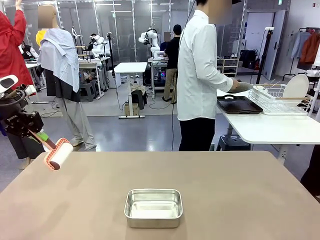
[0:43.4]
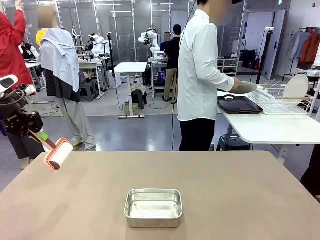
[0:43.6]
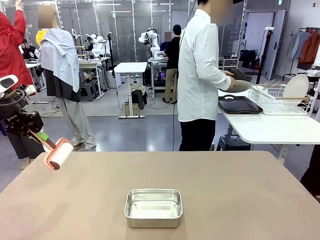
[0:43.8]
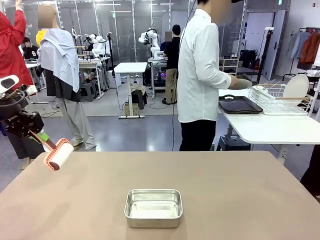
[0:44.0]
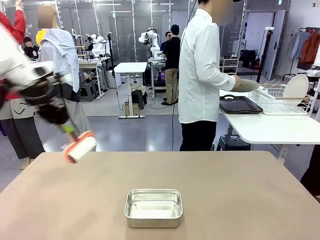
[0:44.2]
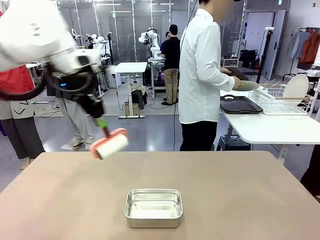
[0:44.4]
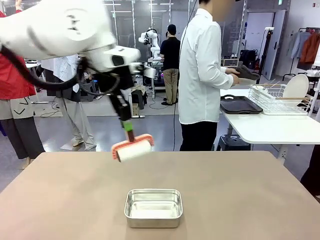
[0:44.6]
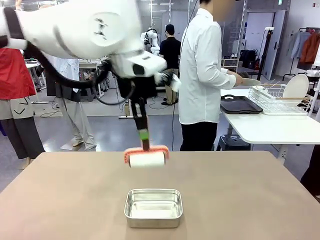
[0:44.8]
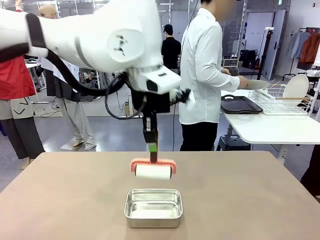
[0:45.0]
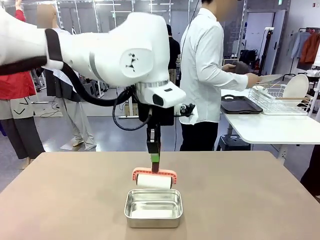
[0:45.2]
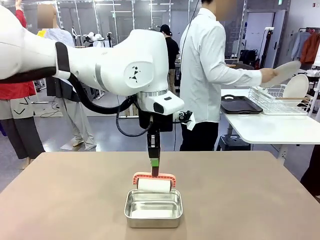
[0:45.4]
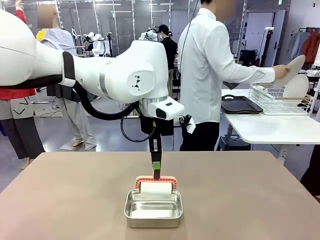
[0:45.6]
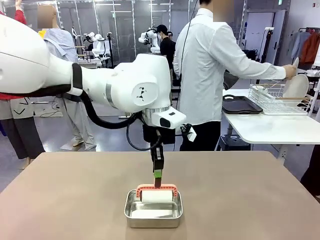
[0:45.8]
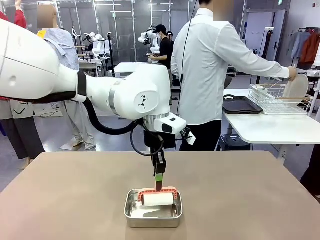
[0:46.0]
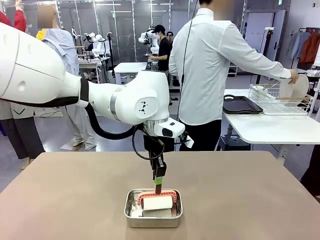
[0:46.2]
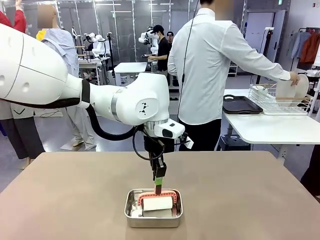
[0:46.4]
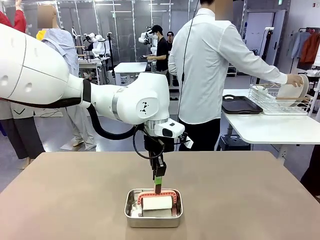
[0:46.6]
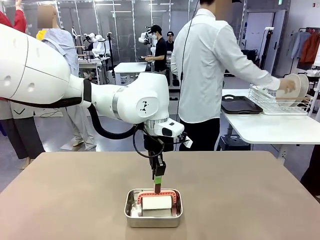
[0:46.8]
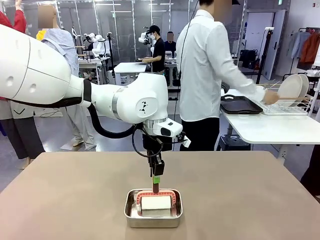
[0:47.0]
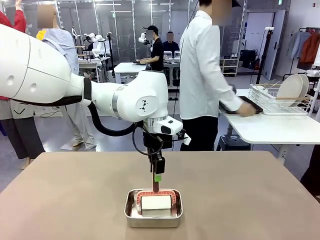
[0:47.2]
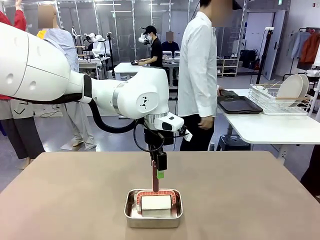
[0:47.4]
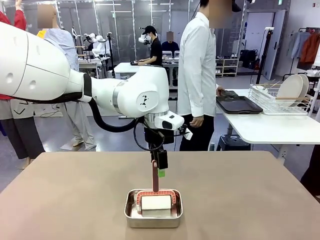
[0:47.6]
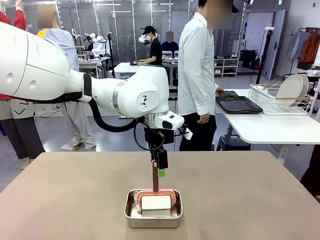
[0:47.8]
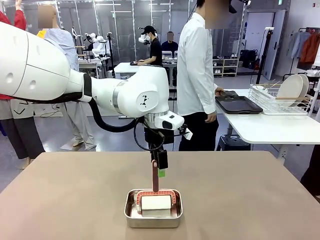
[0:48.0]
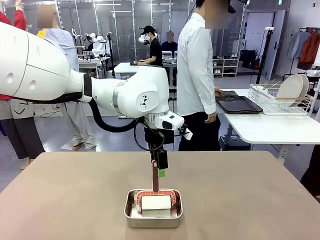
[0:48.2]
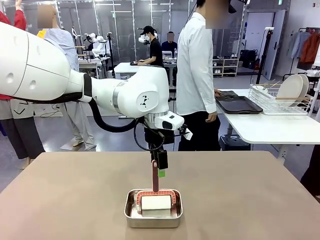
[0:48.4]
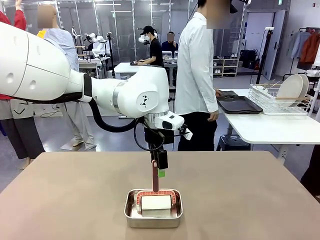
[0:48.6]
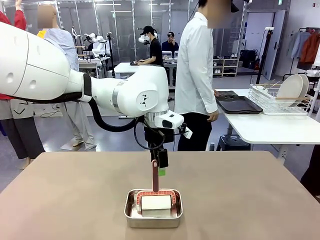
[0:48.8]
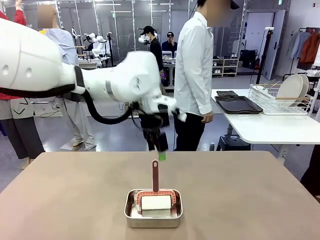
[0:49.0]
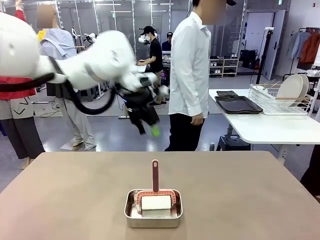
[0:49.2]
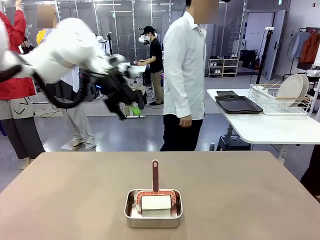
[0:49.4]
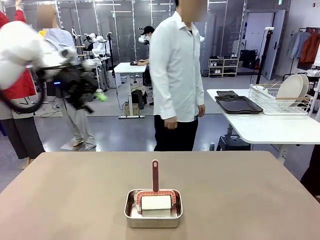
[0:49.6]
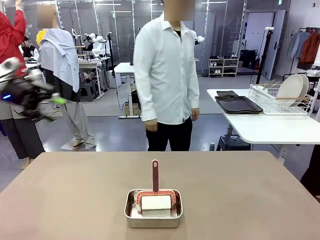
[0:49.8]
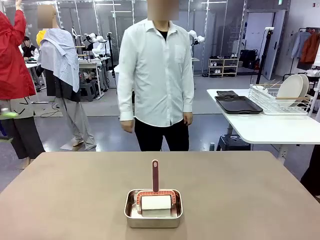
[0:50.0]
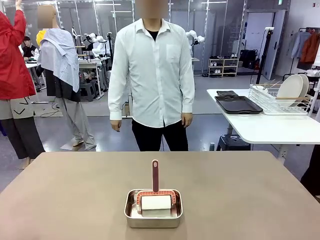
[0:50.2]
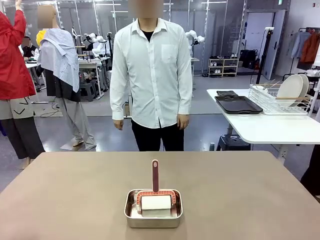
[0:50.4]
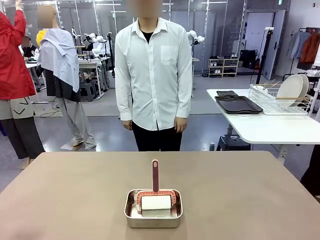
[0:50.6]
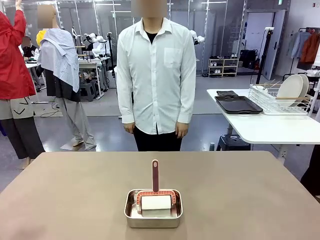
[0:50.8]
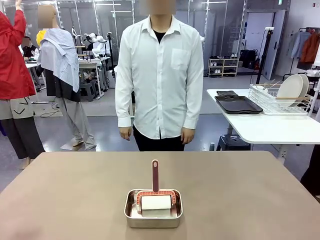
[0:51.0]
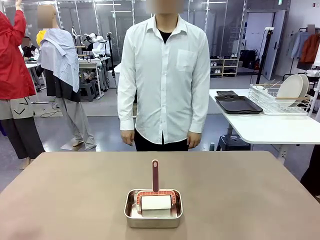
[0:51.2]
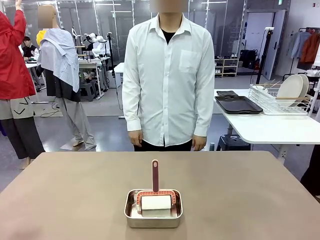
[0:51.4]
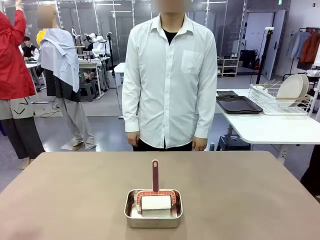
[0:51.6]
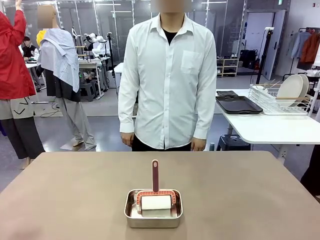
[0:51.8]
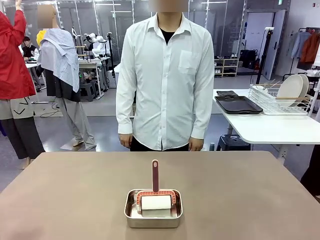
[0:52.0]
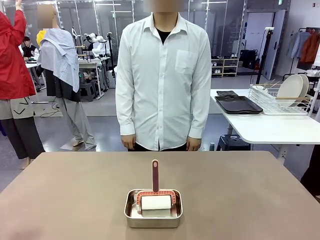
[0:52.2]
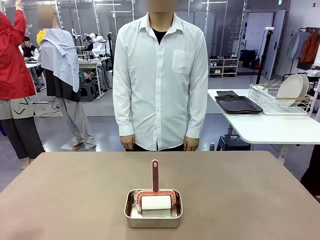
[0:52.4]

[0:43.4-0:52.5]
Robot: Place the Lint Roller back on top of the Airtight Container.

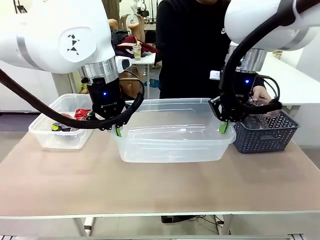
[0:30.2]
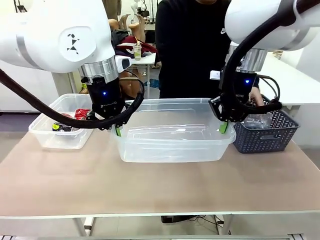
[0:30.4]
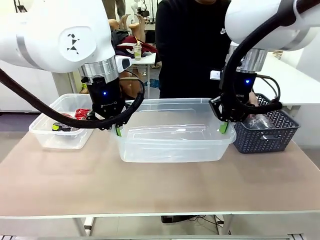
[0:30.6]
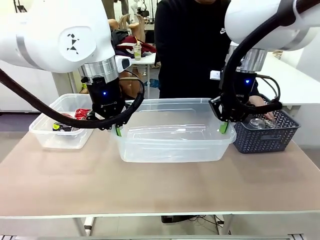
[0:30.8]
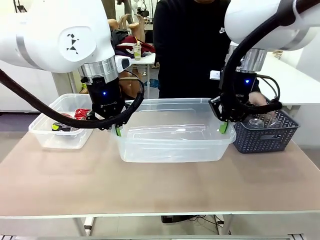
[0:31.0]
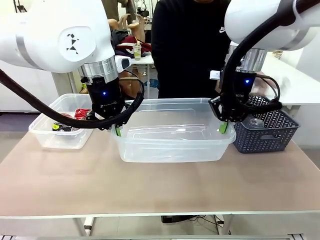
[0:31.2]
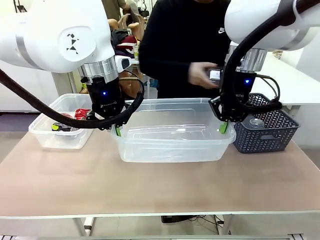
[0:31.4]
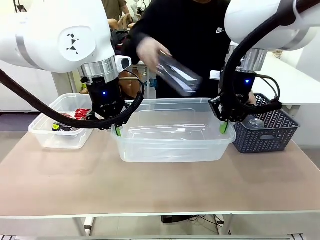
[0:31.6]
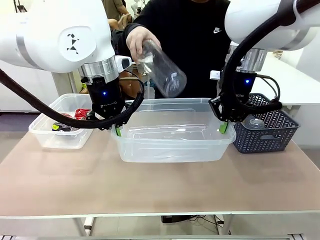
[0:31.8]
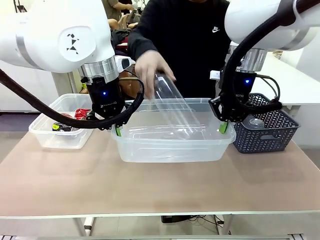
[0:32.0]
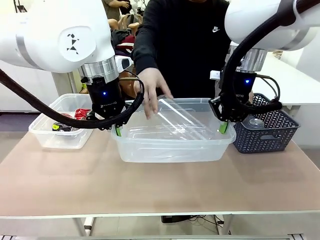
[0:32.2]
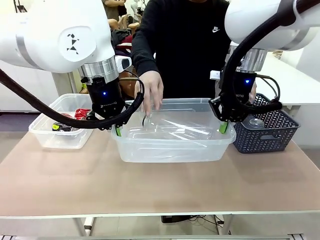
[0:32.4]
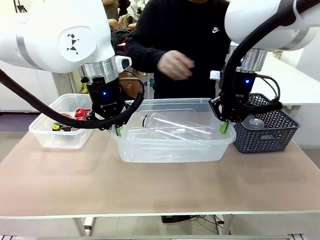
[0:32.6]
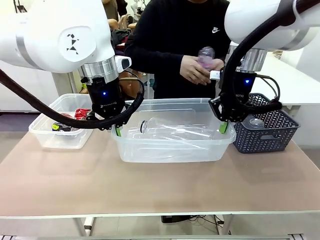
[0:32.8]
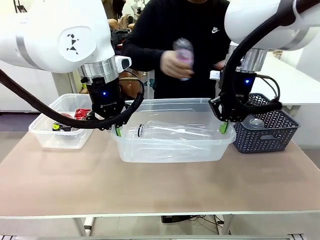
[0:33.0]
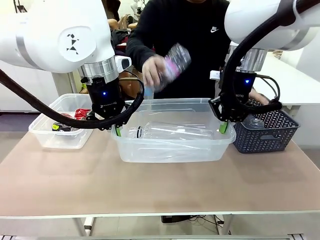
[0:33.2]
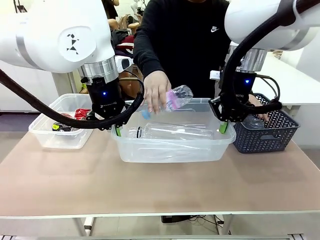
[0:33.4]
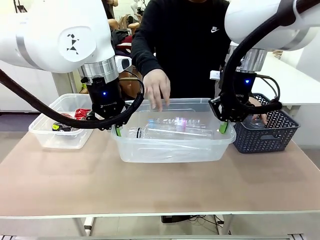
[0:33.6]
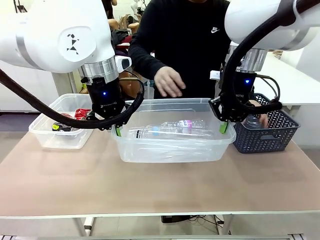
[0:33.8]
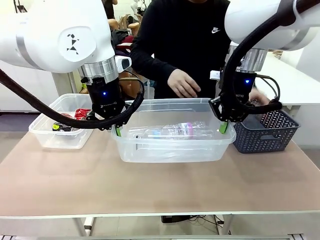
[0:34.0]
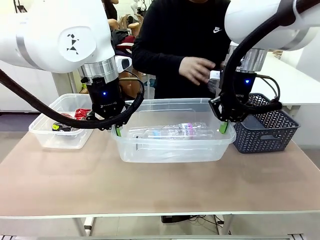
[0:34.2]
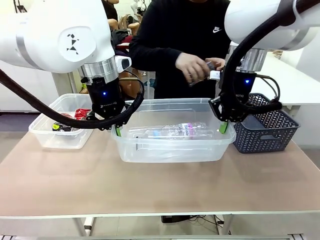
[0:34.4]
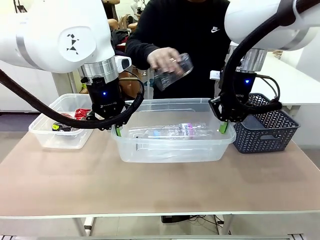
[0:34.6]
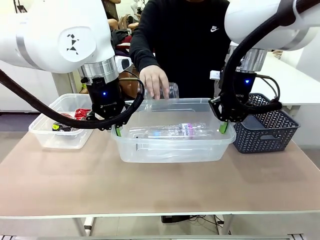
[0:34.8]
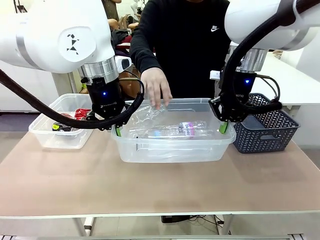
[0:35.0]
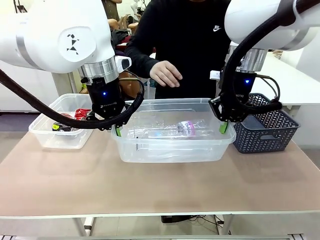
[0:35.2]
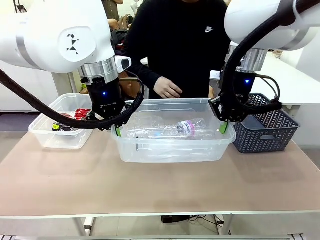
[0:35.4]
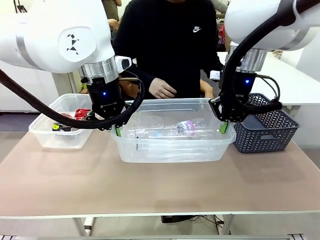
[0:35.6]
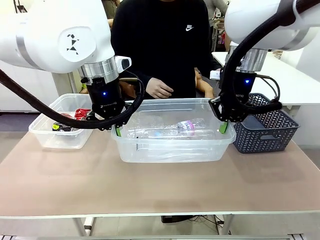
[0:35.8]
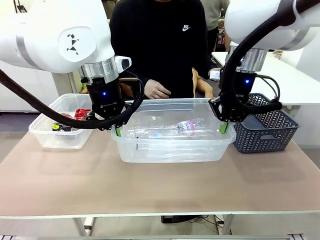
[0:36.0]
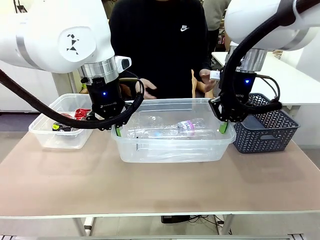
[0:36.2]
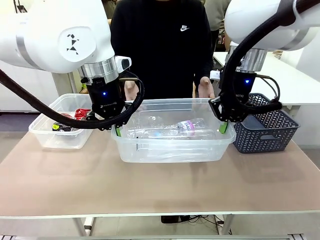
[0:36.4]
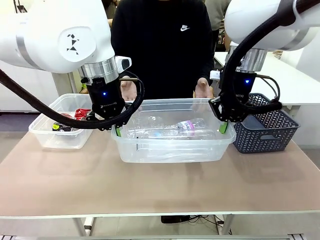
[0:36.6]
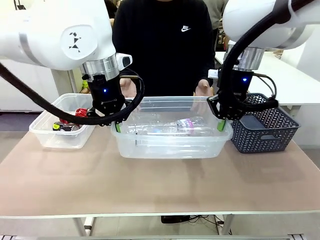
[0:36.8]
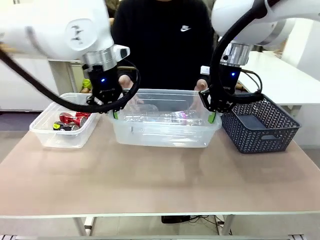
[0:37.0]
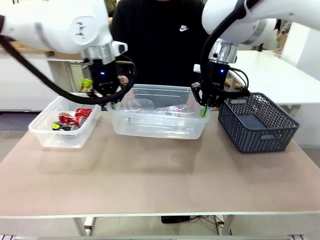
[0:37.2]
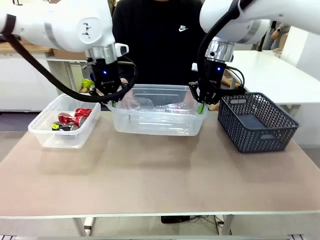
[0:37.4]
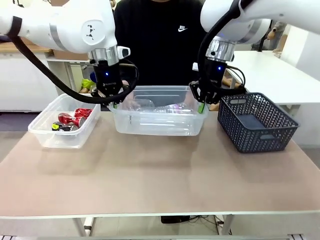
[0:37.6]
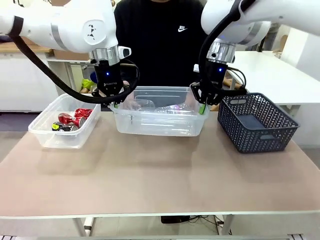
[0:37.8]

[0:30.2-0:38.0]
Robot: Offer the picked Organizing box to the human.

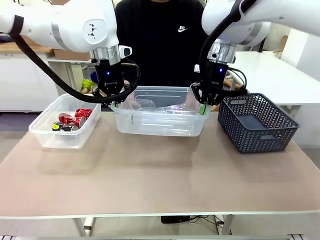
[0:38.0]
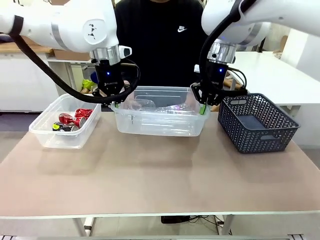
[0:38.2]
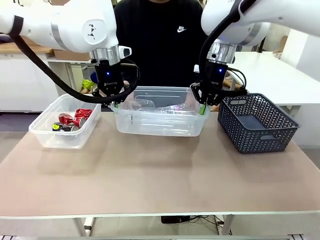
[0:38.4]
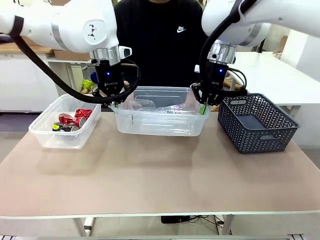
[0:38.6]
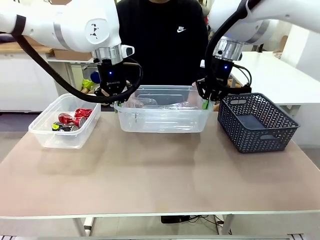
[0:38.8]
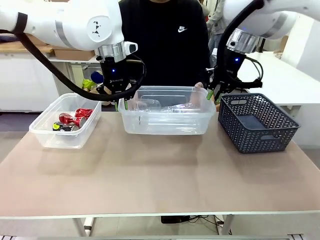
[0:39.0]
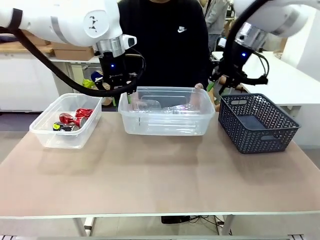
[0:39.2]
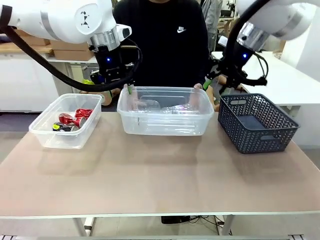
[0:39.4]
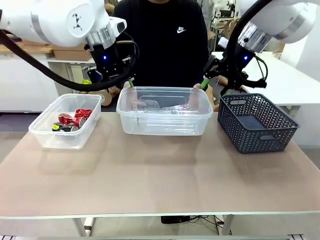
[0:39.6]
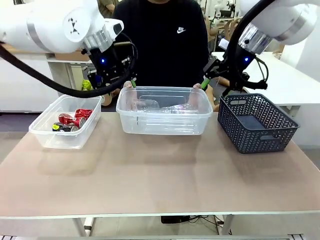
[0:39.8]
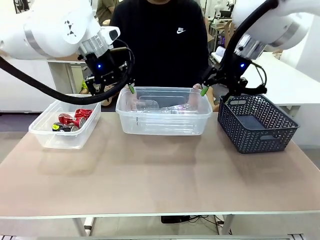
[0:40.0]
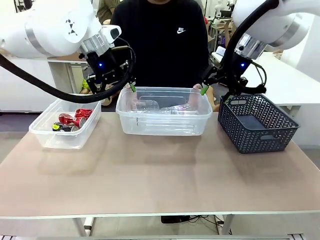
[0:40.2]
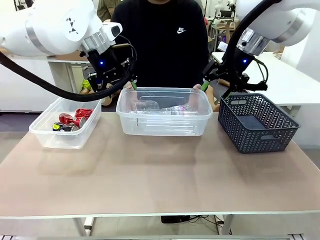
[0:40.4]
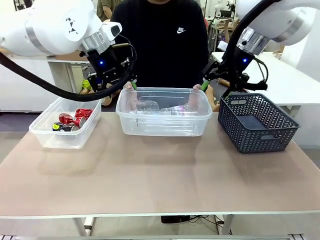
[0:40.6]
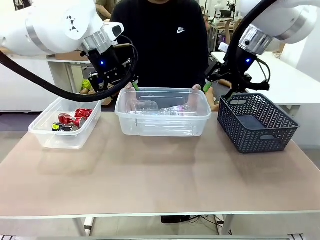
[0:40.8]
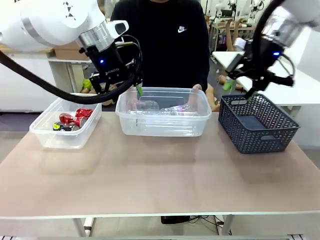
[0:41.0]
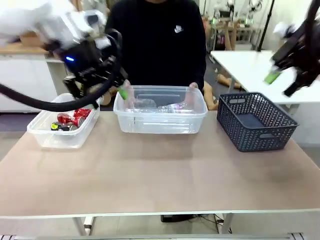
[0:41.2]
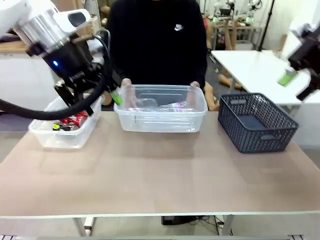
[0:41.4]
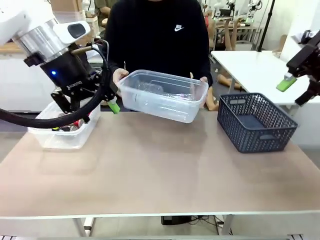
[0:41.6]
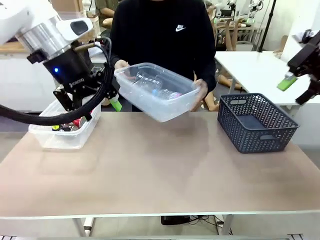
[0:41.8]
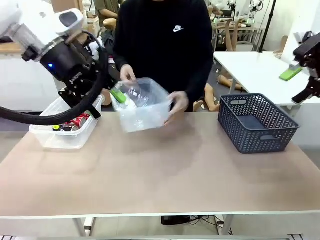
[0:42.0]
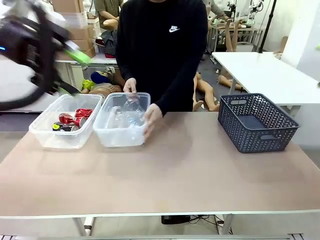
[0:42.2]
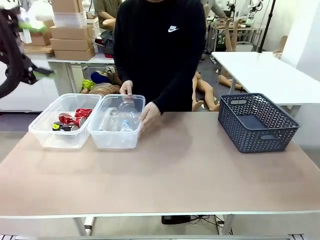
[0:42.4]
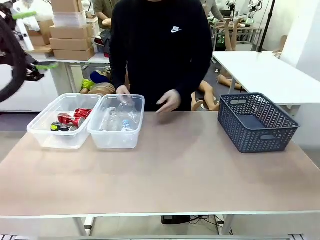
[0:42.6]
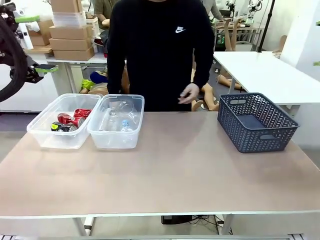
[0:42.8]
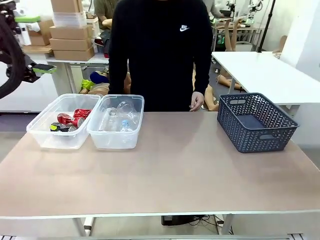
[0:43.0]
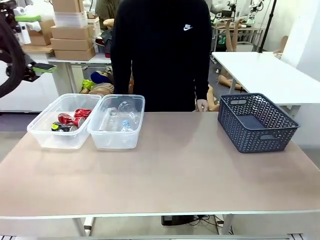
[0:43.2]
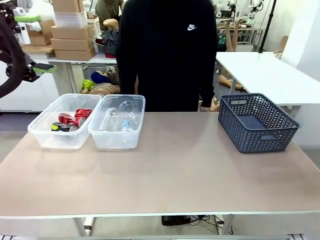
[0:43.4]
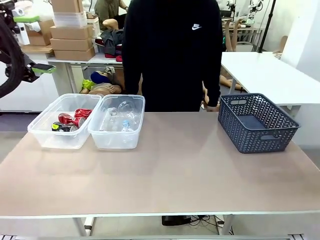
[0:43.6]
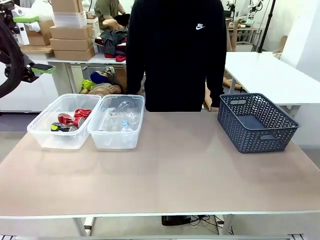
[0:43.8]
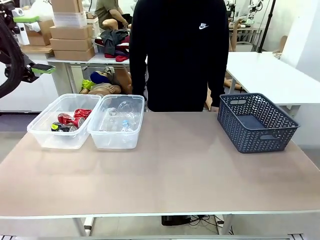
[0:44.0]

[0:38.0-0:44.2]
Robot: Release the Organizing box you were holding.
Person: Pick up the organizing box extended by the robot. Place the organizing box to the left of the sorting box containing the can waste.
